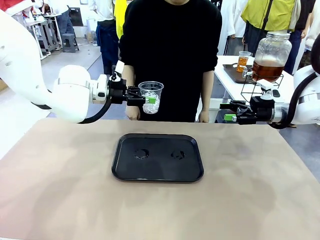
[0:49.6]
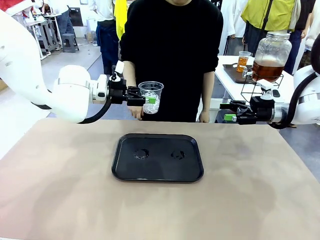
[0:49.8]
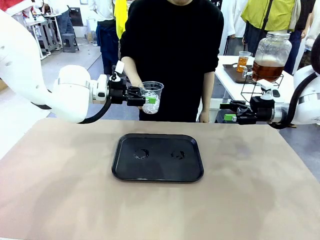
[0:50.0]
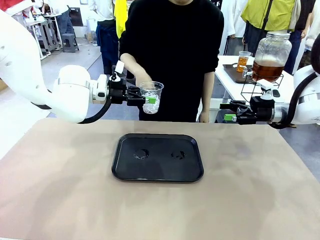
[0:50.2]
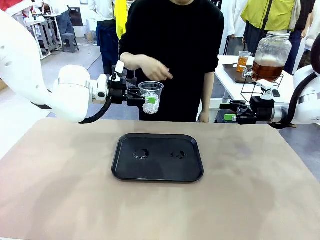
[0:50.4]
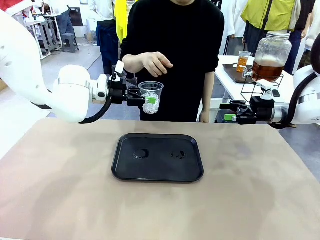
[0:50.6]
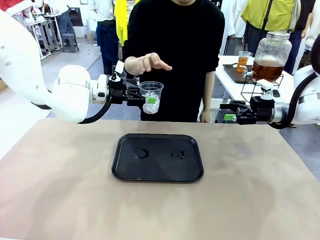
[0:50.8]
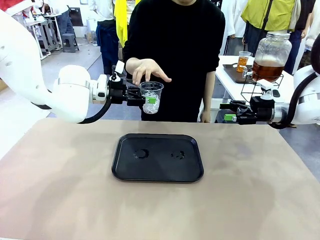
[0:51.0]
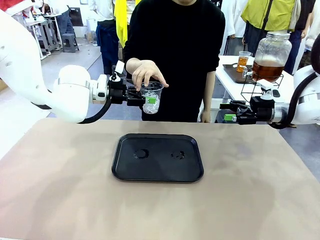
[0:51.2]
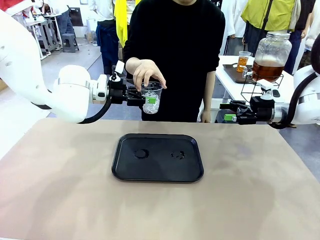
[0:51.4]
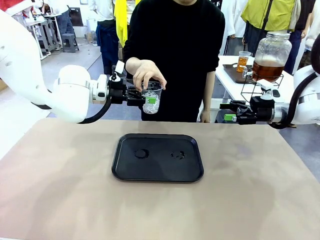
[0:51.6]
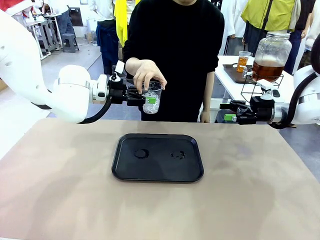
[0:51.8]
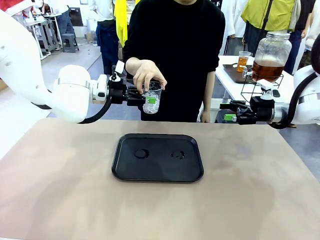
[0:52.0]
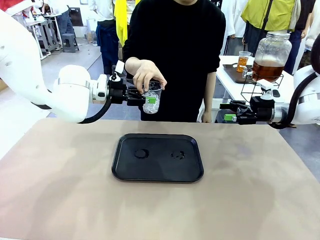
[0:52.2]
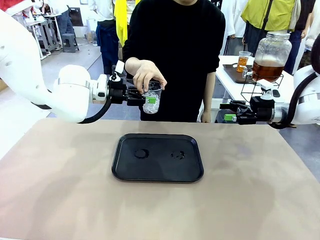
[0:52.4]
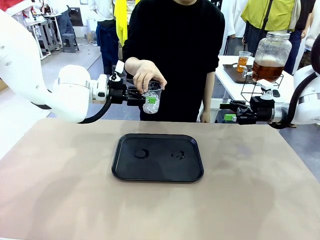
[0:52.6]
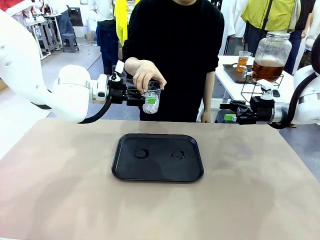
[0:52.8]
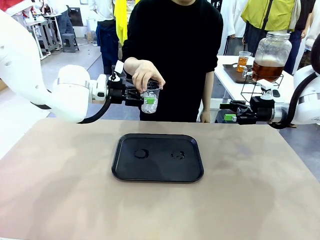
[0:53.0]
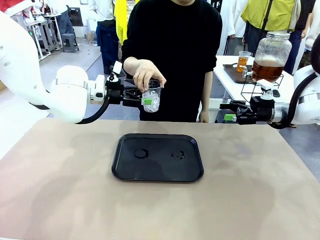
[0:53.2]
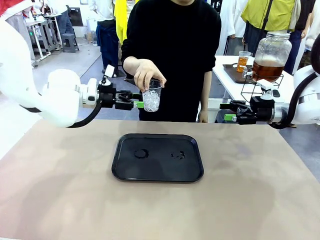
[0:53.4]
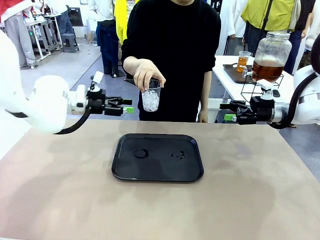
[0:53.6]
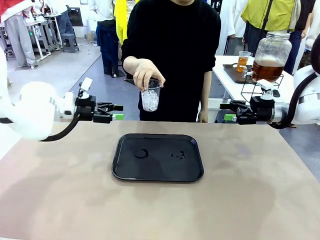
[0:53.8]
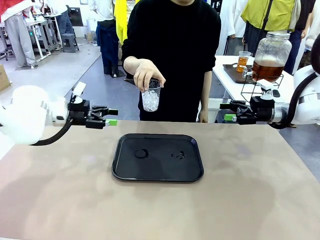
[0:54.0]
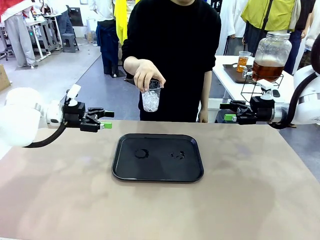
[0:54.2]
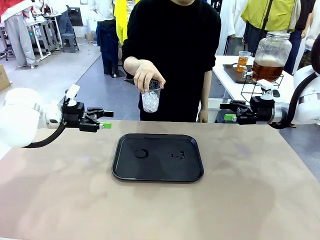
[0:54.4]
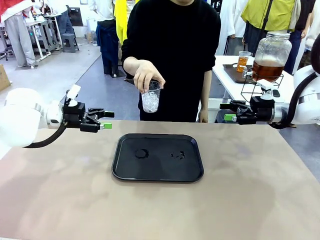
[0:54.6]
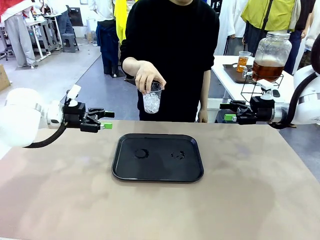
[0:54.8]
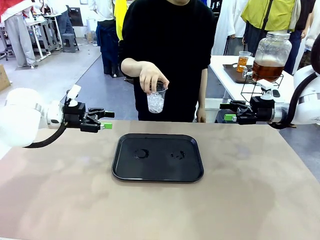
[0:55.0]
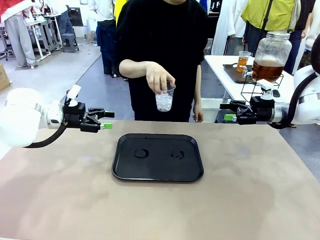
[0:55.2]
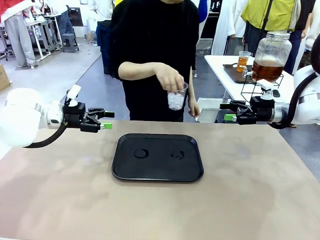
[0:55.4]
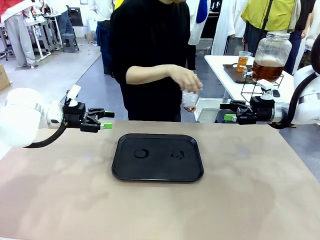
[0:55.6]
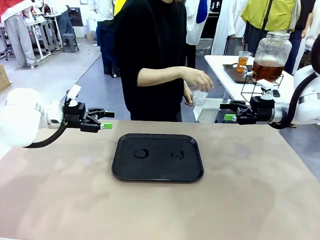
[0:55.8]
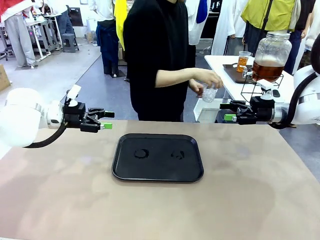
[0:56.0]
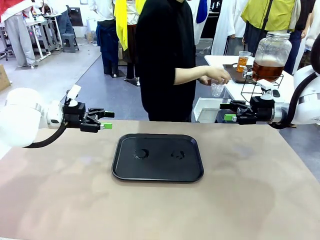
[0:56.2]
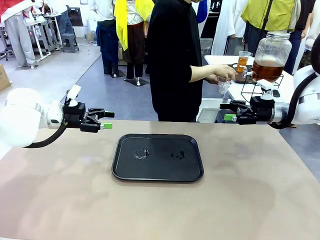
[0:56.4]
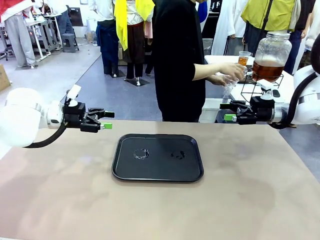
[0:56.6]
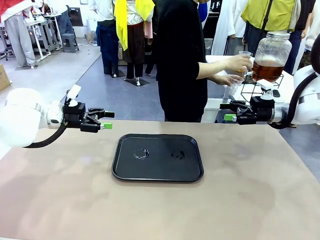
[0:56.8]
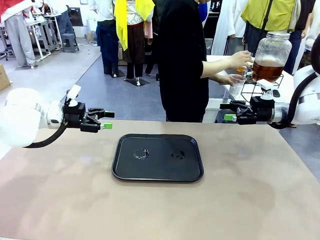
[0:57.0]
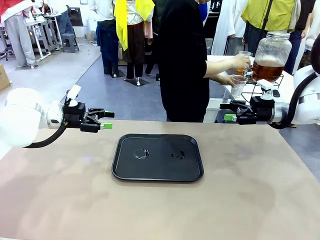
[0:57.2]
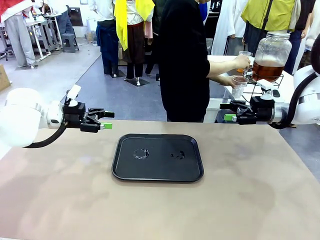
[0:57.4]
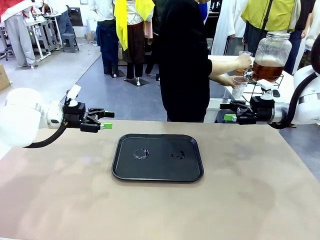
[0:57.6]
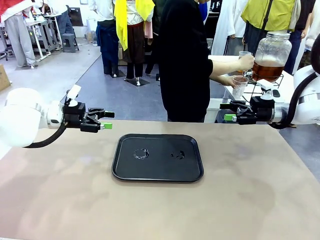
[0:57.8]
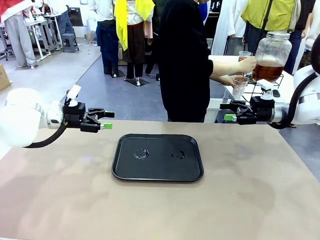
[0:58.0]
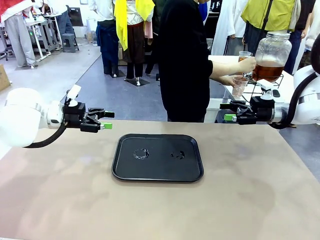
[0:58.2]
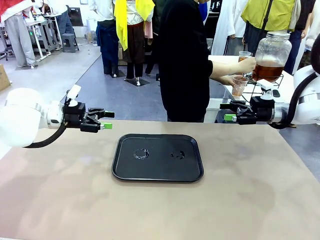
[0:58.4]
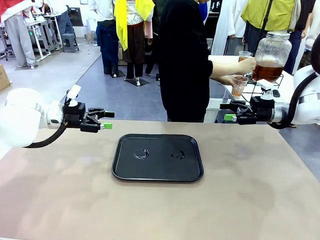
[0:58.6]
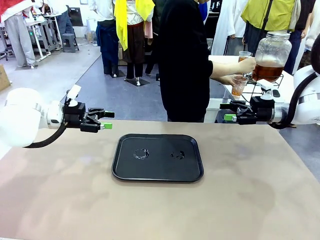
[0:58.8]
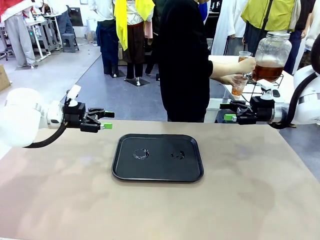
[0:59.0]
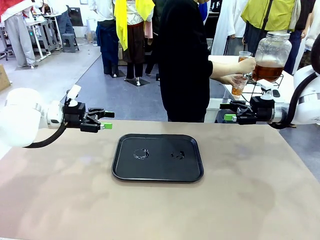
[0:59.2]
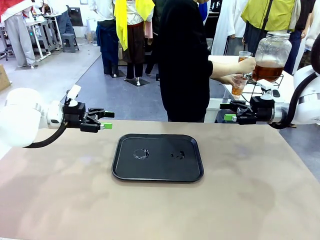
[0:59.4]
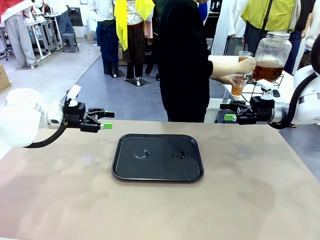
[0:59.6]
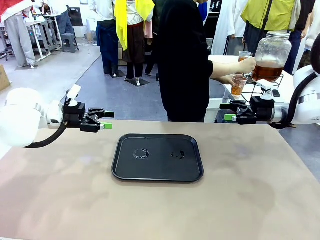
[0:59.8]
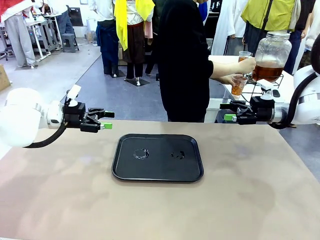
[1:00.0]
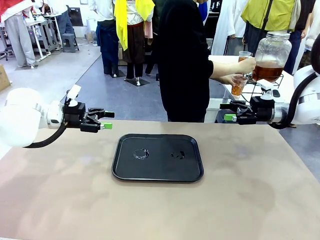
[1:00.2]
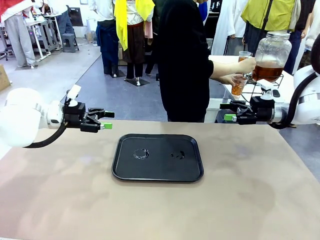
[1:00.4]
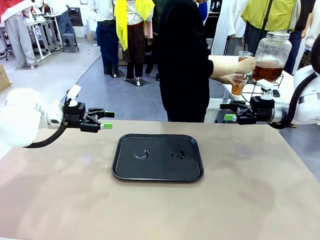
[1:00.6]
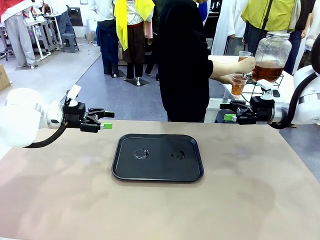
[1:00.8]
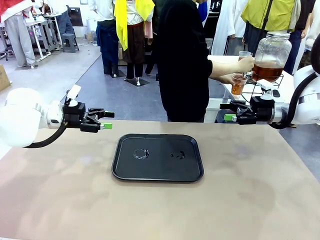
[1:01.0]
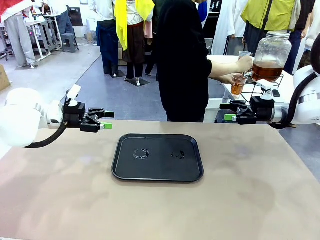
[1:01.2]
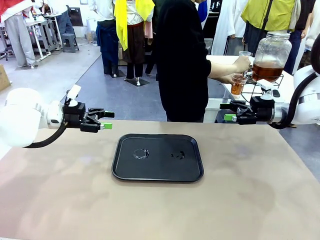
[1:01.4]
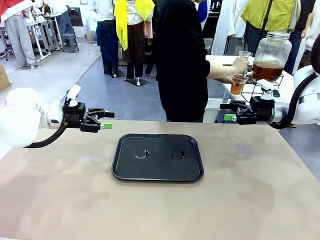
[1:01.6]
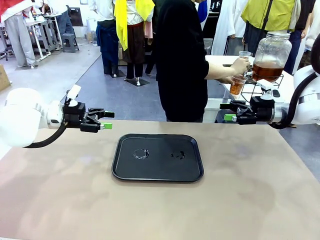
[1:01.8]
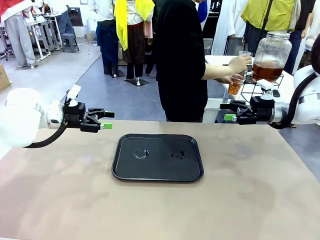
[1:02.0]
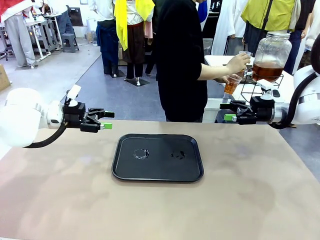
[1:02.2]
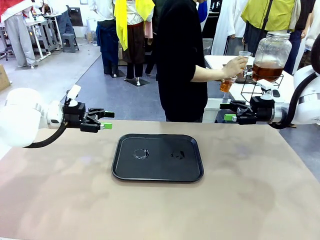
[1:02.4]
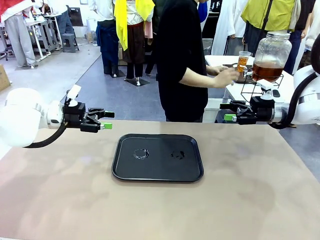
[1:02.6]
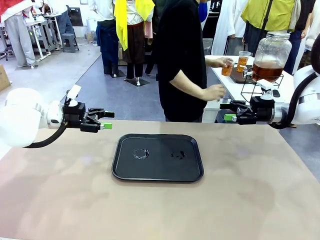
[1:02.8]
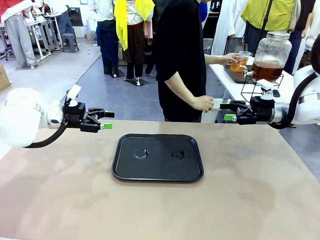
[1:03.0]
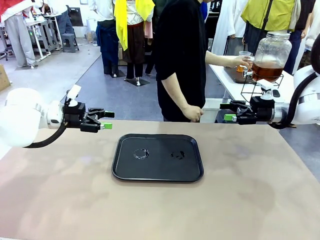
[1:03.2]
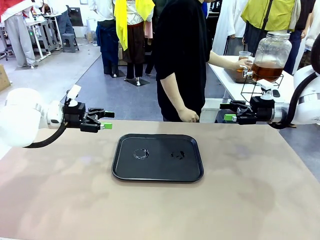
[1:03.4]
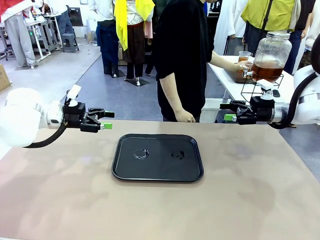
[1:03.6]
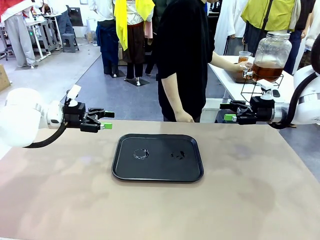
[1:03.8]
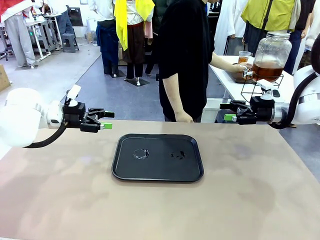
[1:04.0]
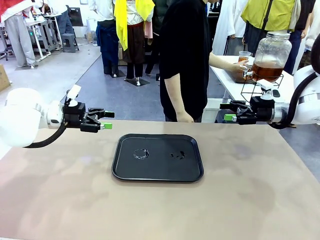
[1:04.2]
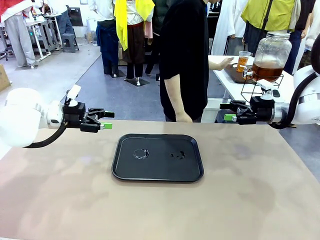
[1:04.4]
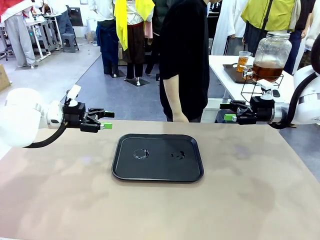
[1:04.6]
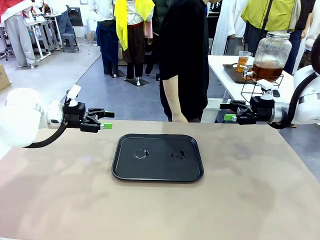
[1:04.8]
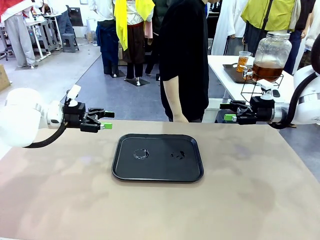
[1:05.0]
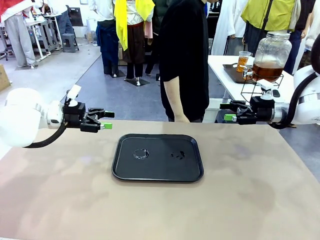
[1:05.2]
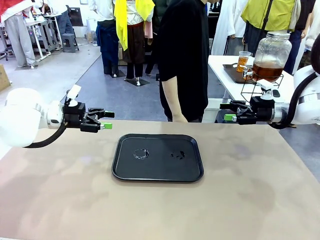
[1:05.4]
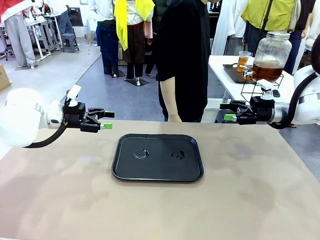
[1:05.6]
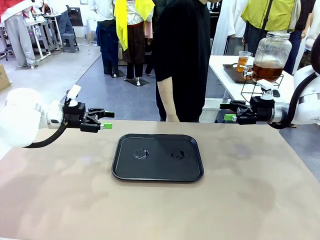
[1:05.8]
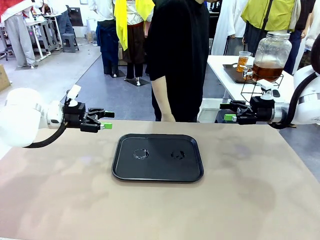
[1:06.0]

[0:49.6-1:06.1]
Task: Pour the drink into the iced cup.
Robot: Open the gripper to release the iced cup you were holding.
Person: Move the picked-up cup under the dispenser faucet, pour the drink, and place it on the tray on the human table.
